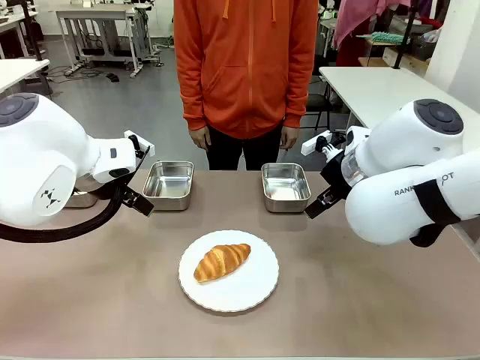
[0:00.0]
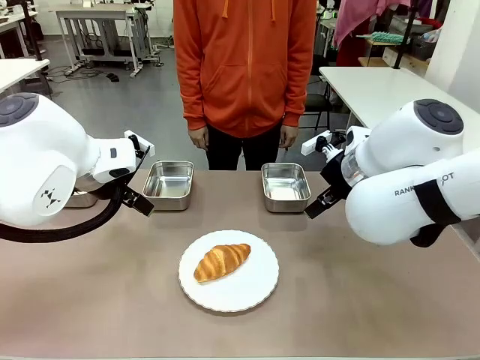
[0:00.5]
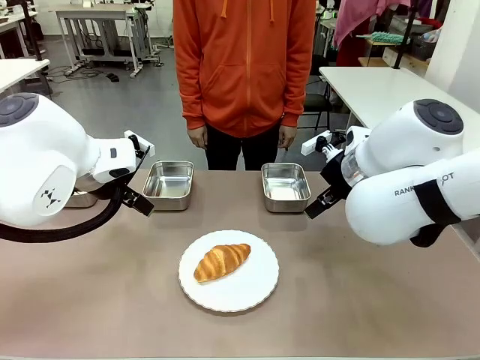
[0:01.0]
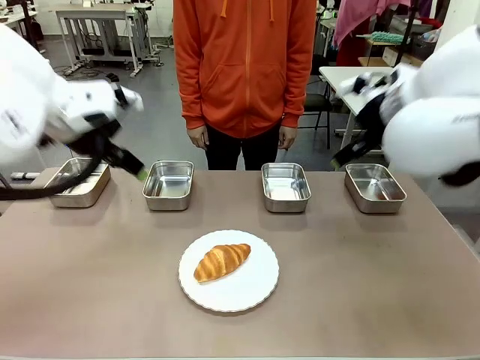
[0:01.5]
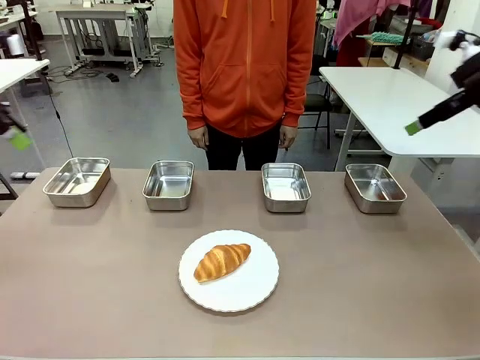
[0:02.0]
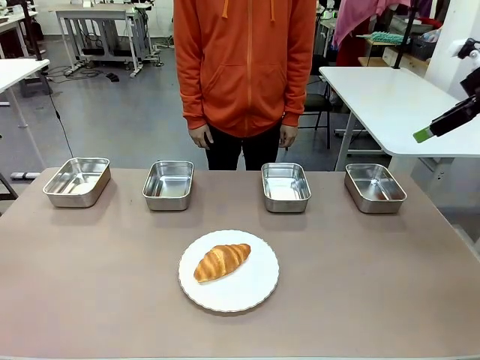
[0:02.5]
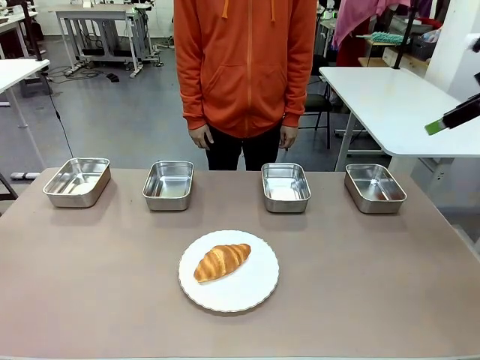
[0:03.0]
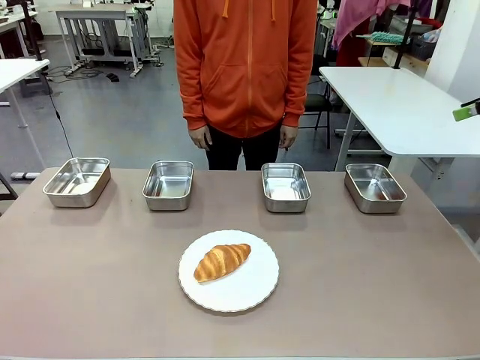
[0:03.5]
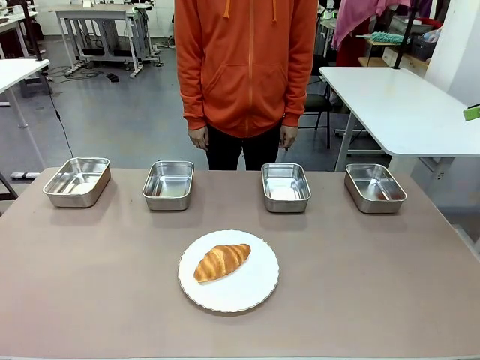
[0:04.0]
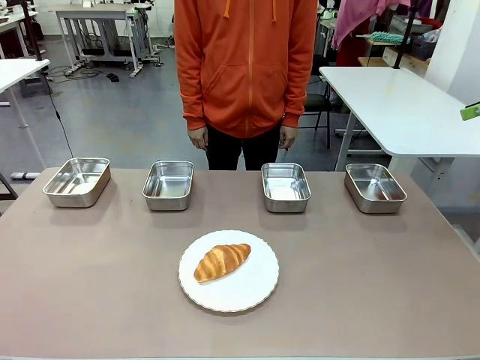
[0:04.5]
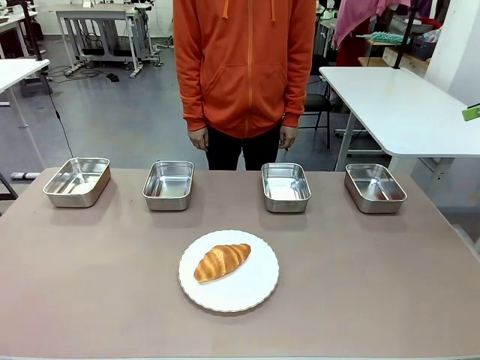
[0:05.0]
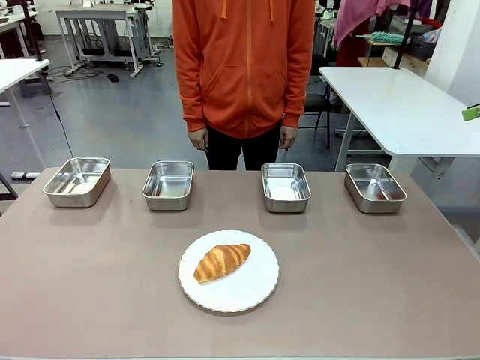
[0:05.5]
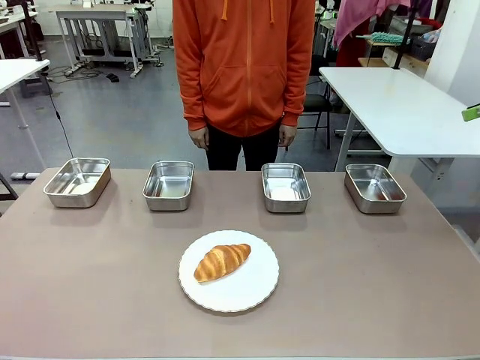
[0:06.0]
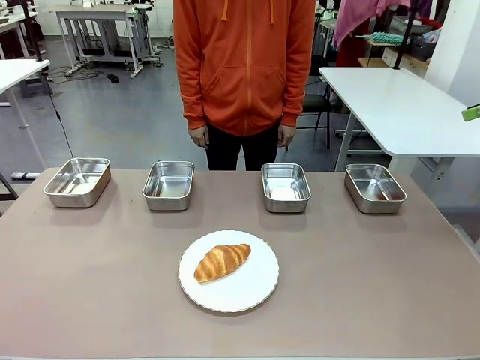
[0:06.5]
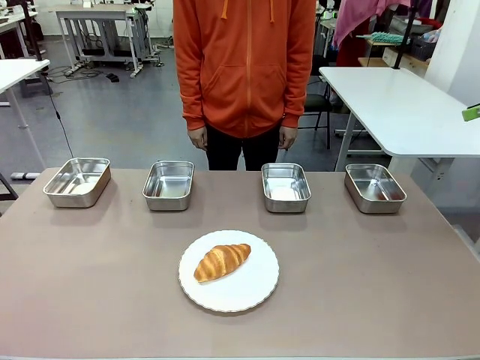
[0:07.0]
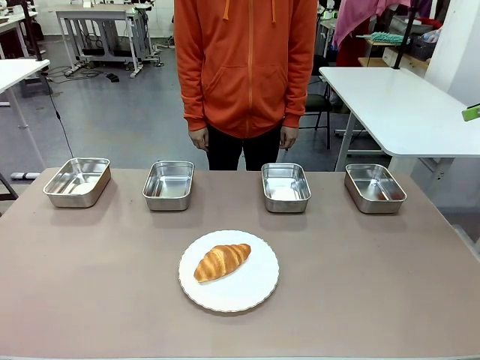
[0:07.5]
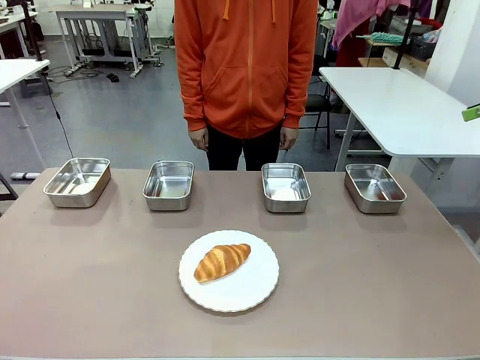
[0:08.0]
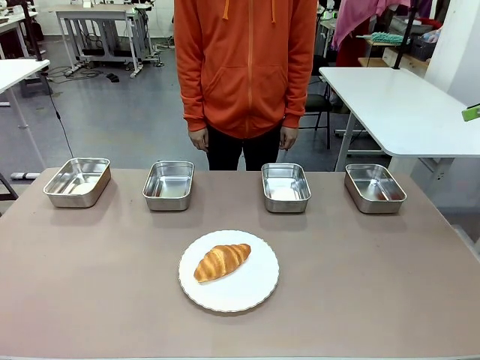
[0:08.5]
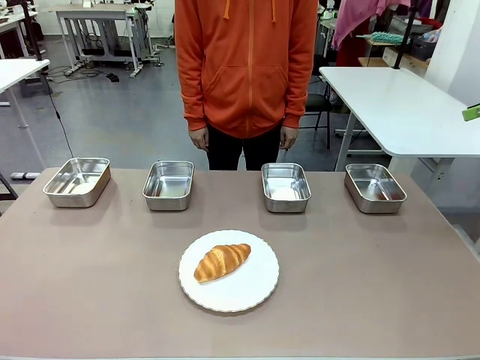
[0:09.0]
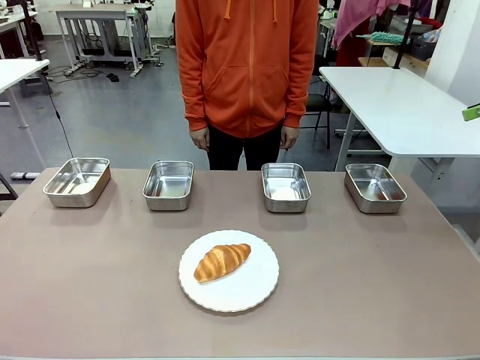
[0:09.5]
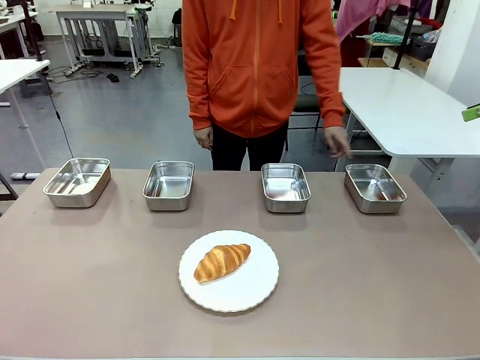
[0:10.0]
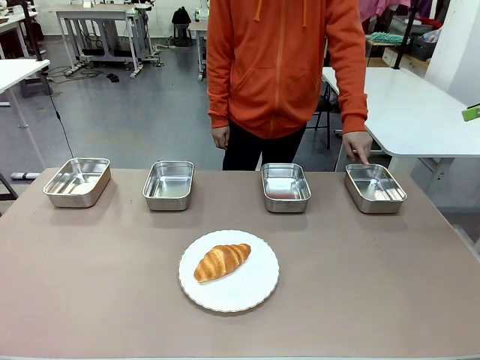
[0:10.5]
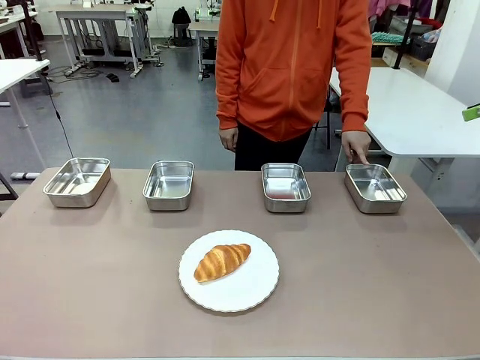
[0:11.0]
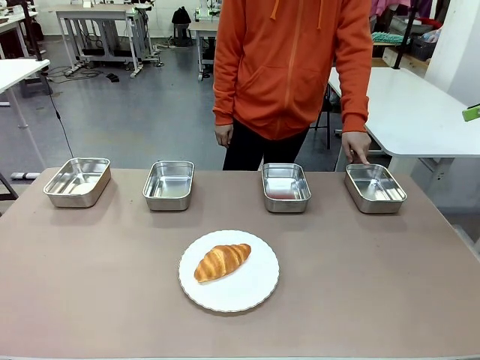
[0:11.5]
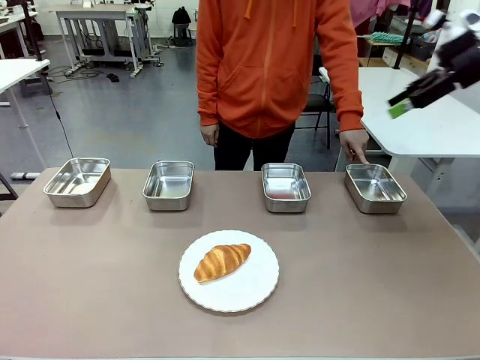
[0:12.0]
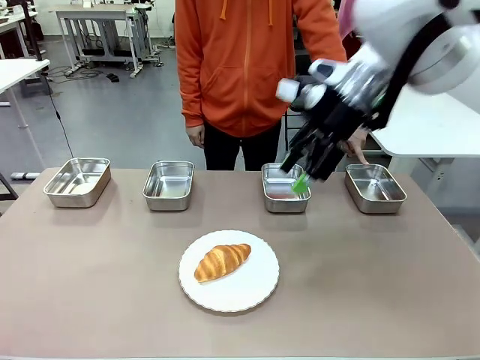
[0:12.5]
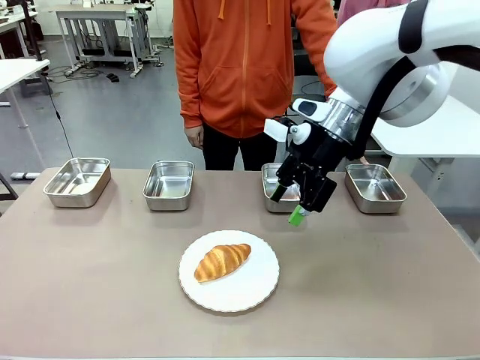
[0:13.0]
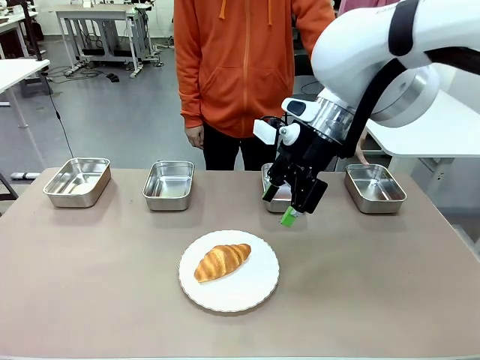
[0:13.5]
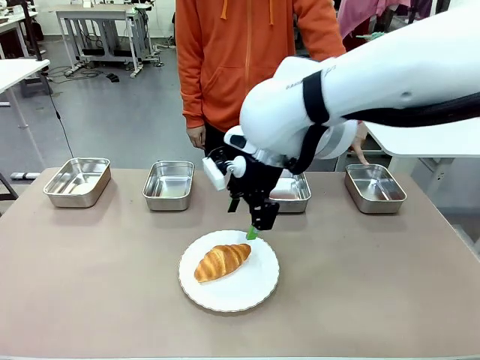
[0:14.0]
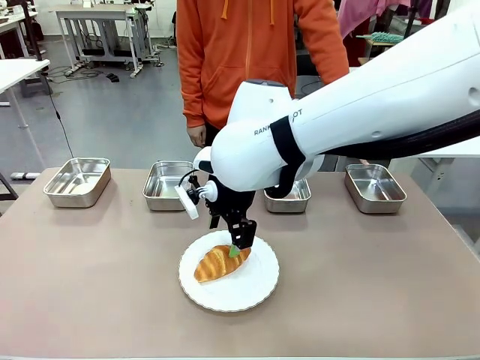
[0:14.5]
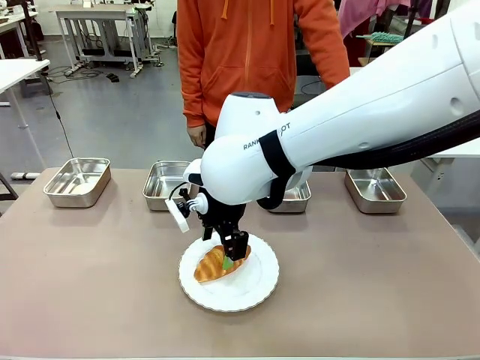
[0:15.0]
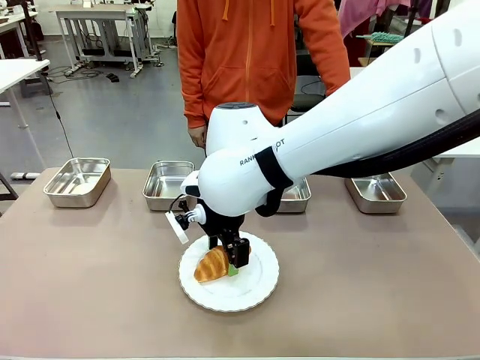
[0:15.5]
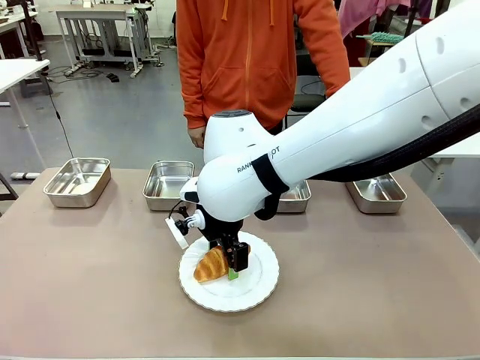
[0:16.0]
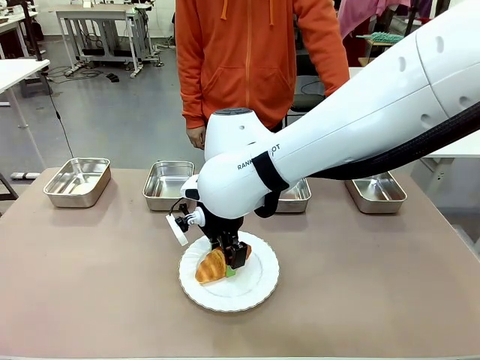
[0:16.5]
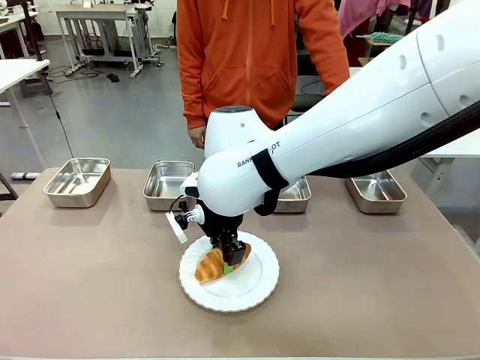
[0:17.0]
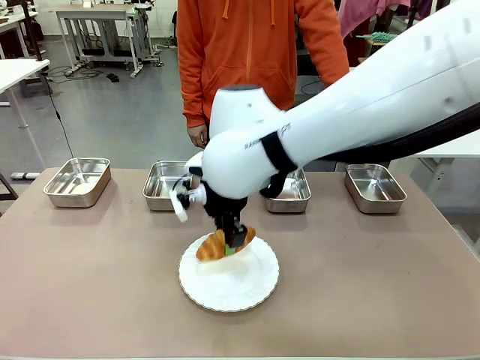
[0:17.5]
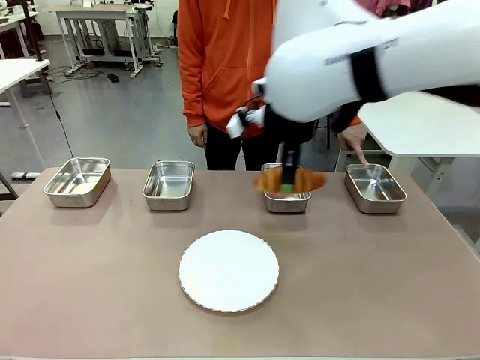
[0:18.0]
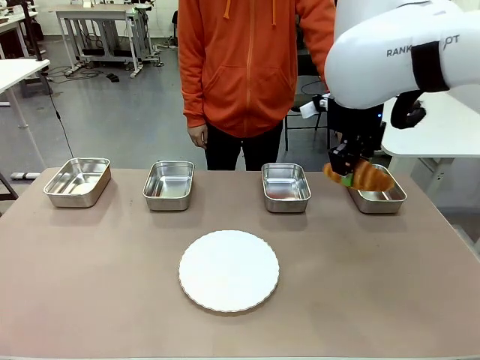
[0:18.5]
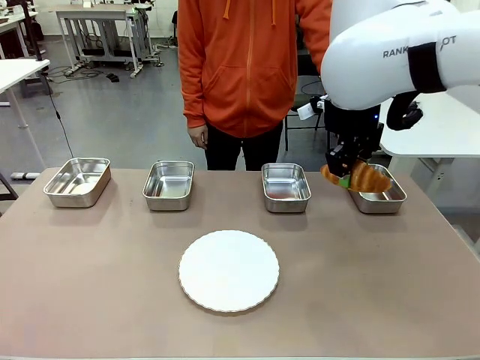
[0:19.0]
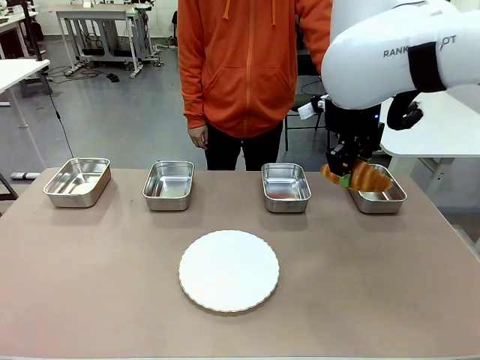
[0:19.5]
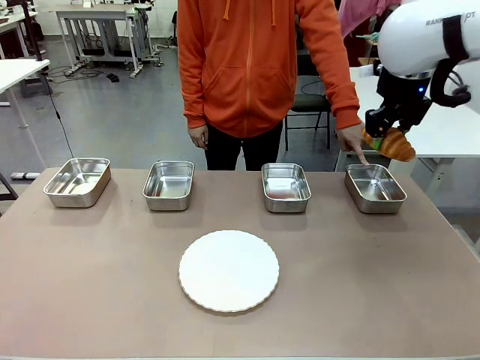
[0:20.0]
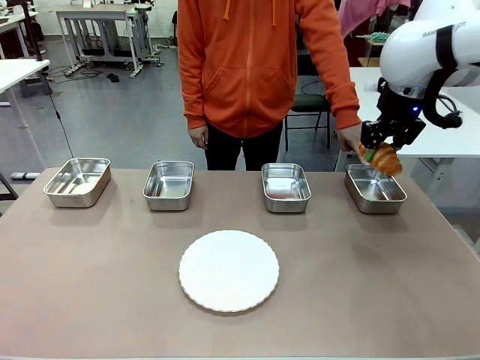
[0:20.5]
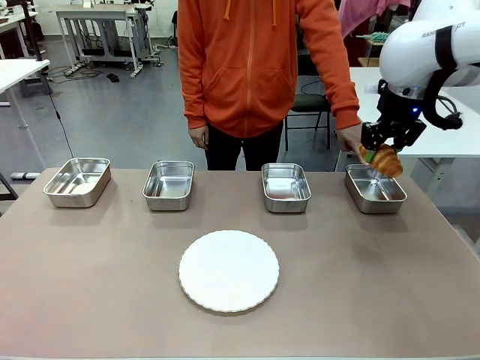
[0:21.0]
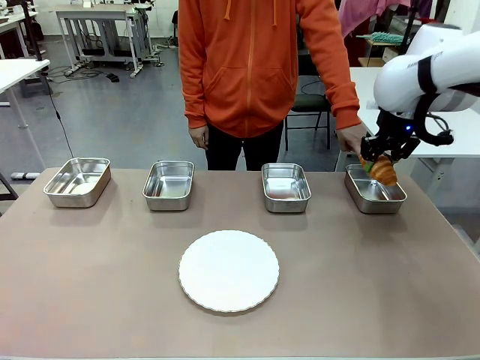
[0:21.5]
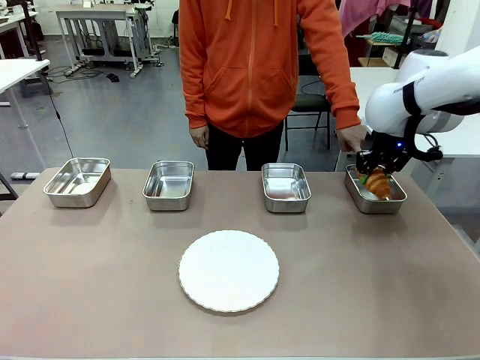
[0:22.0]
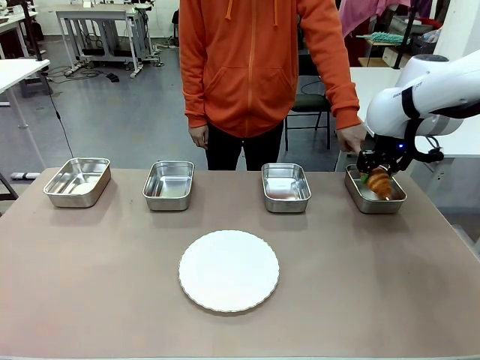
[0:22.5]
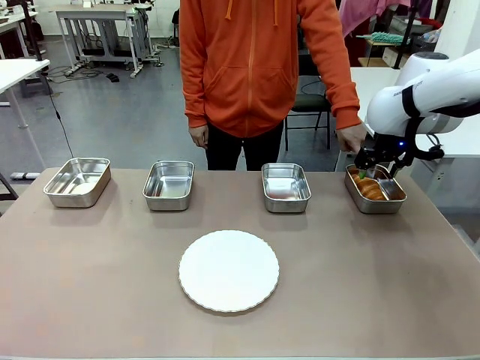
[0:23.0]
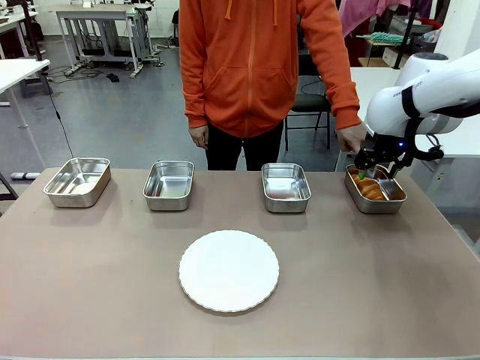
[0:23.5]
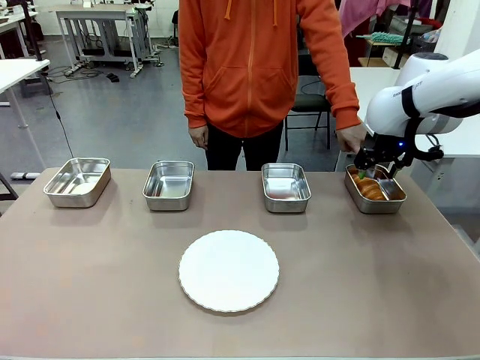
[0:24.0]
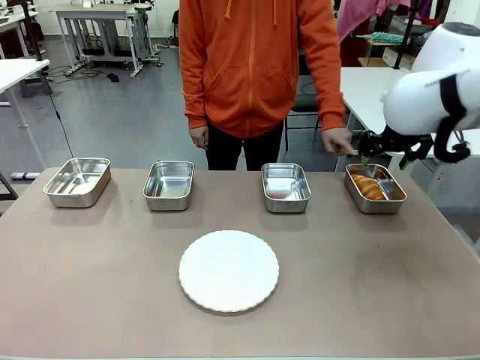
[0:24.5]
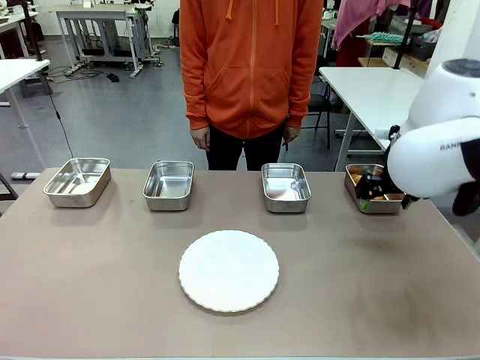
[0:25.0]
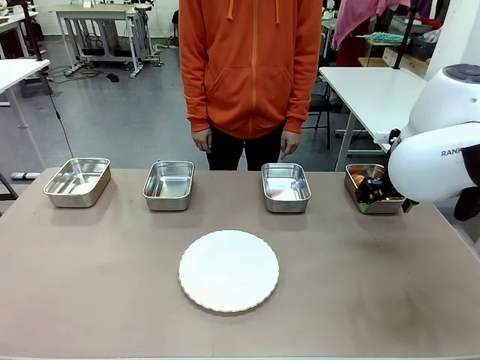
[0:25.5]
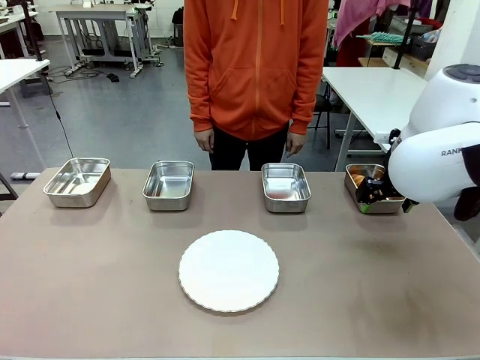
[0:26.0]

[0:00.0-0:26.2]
Task: Place the bread in the container.
Robot: Place the Butter Roll into the Airtight Container indicated by the human.
Person: A person randomly selects and points to an Airtight Container.
